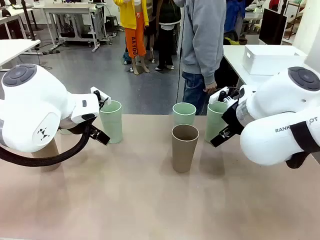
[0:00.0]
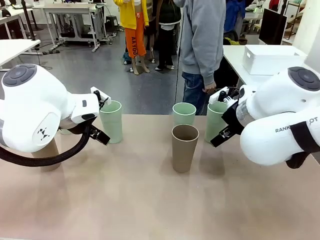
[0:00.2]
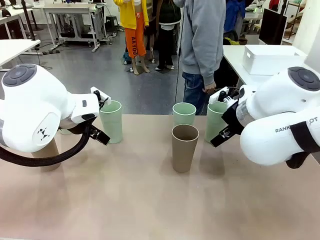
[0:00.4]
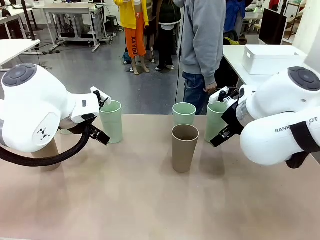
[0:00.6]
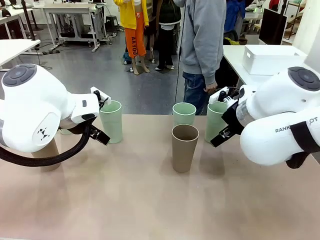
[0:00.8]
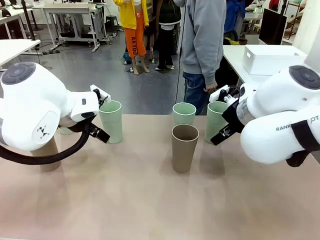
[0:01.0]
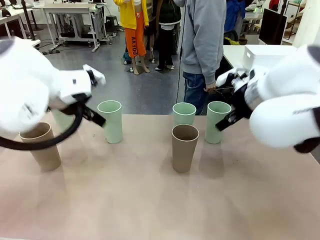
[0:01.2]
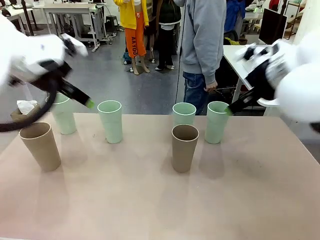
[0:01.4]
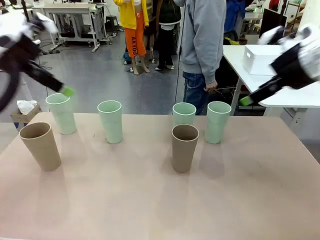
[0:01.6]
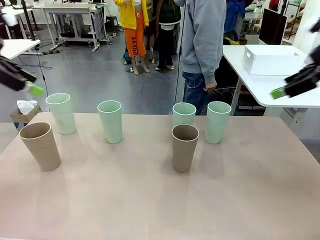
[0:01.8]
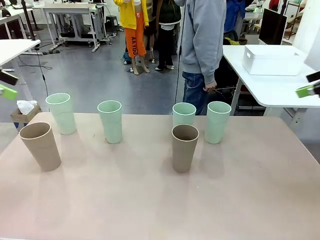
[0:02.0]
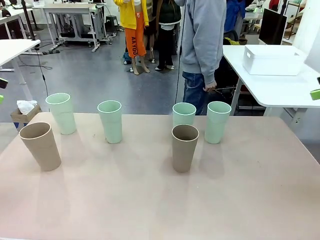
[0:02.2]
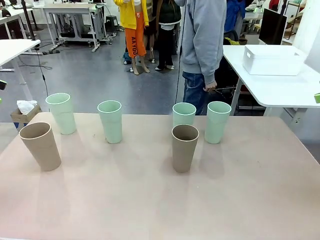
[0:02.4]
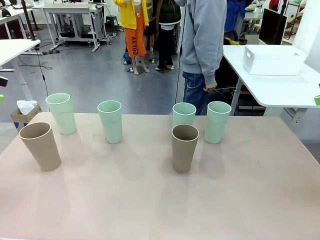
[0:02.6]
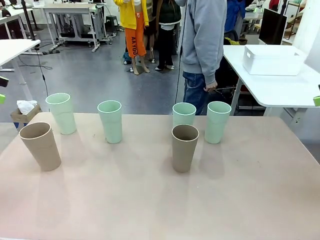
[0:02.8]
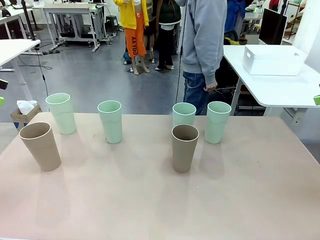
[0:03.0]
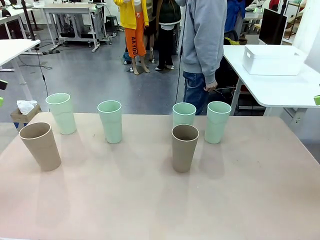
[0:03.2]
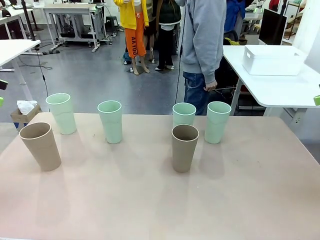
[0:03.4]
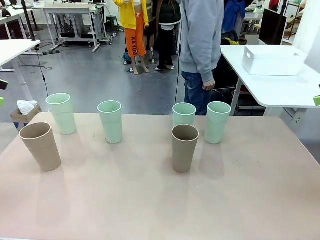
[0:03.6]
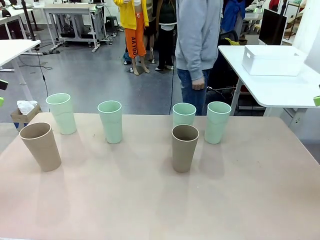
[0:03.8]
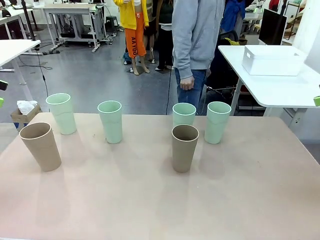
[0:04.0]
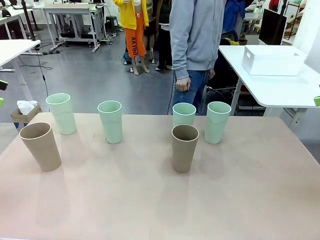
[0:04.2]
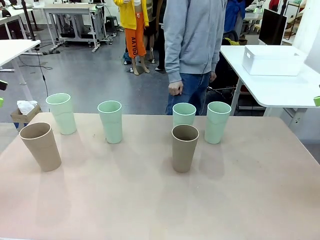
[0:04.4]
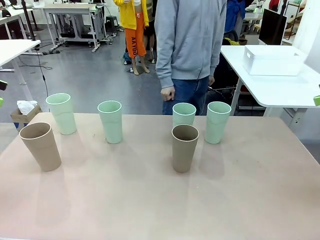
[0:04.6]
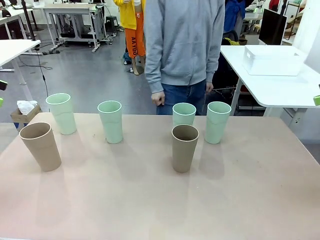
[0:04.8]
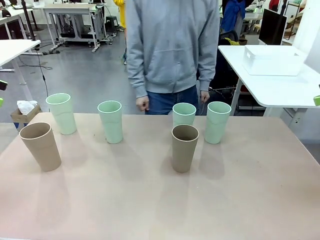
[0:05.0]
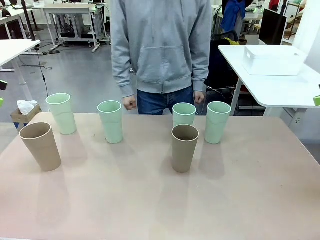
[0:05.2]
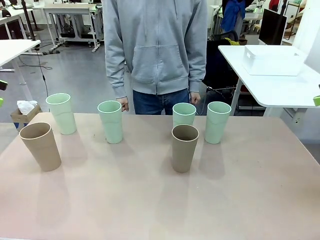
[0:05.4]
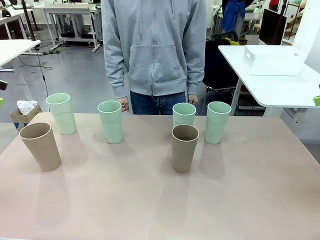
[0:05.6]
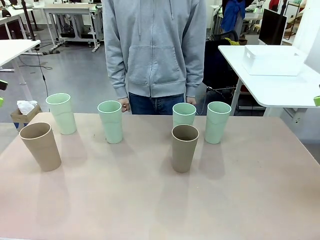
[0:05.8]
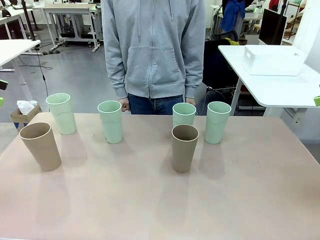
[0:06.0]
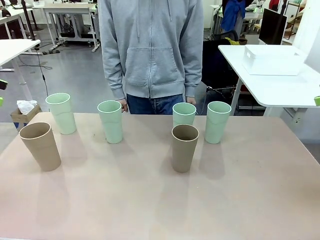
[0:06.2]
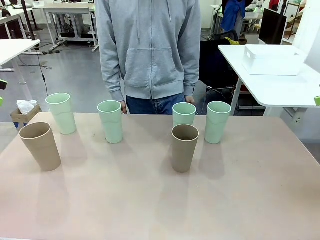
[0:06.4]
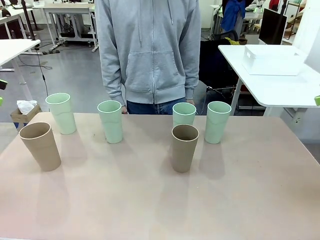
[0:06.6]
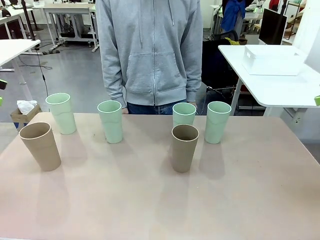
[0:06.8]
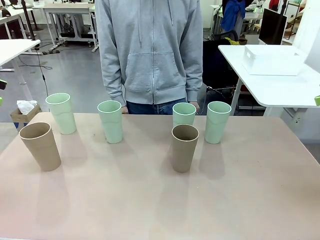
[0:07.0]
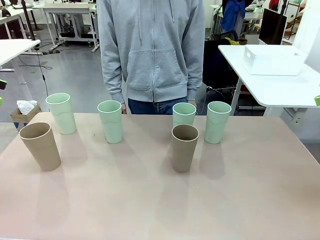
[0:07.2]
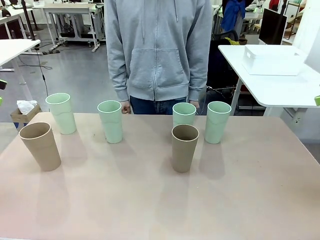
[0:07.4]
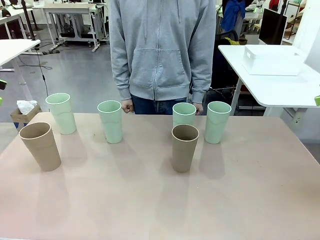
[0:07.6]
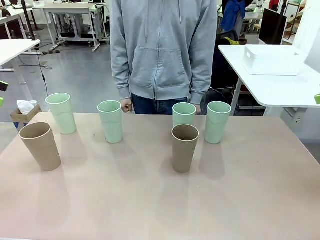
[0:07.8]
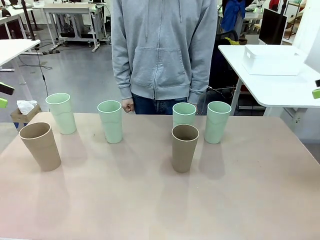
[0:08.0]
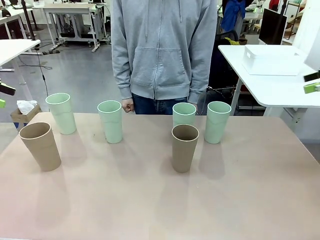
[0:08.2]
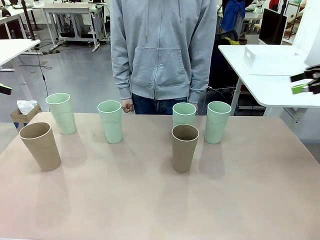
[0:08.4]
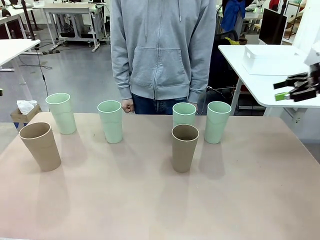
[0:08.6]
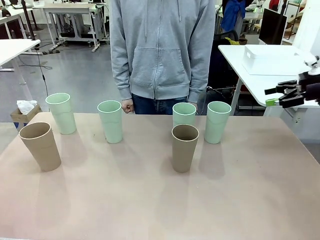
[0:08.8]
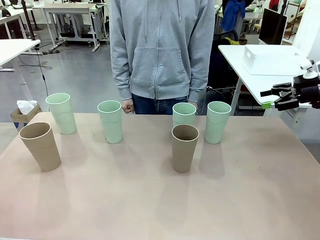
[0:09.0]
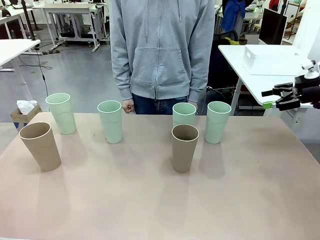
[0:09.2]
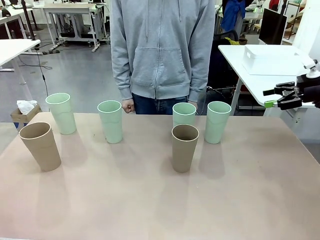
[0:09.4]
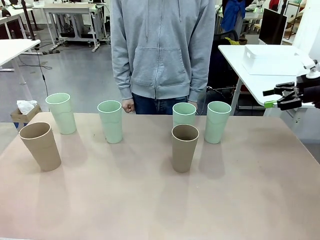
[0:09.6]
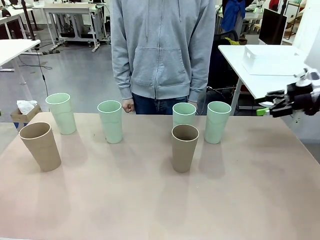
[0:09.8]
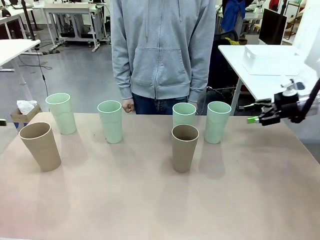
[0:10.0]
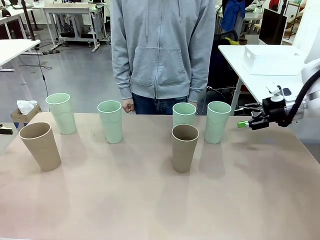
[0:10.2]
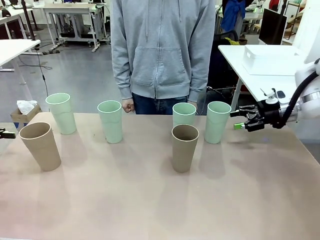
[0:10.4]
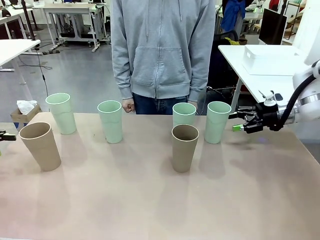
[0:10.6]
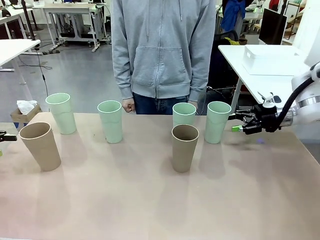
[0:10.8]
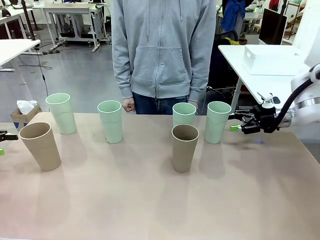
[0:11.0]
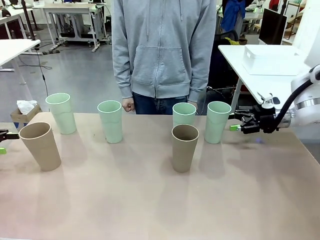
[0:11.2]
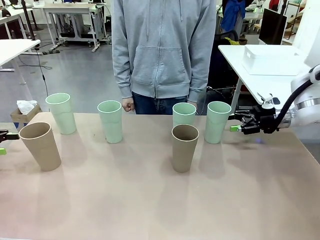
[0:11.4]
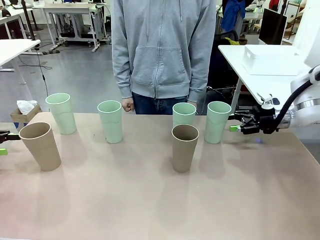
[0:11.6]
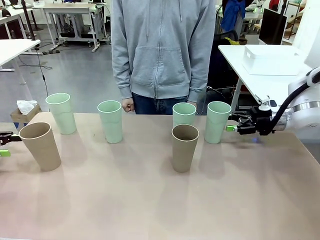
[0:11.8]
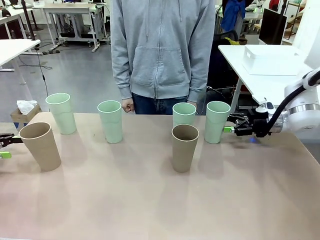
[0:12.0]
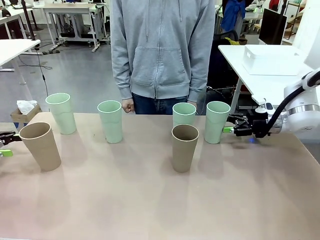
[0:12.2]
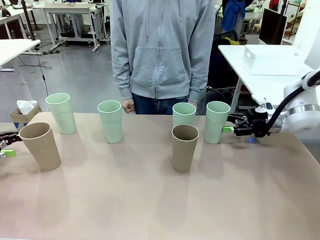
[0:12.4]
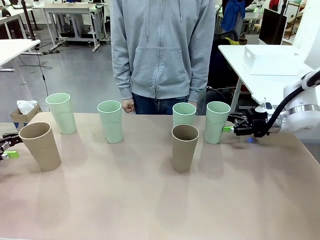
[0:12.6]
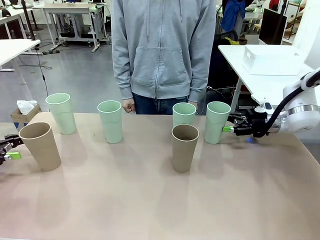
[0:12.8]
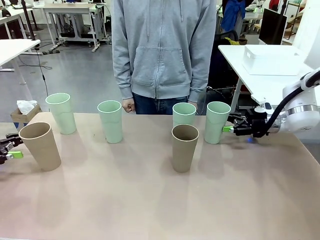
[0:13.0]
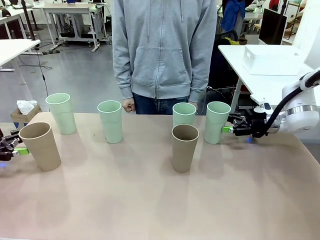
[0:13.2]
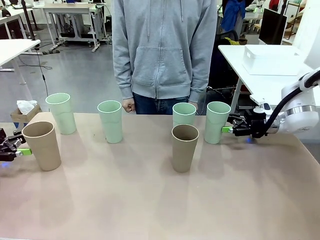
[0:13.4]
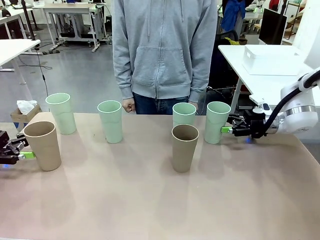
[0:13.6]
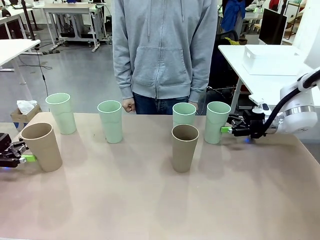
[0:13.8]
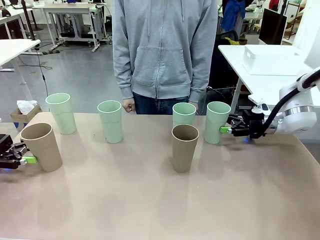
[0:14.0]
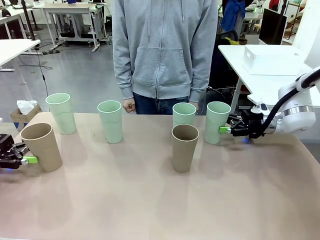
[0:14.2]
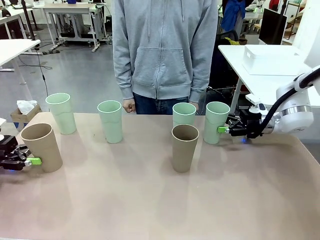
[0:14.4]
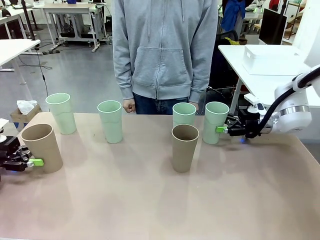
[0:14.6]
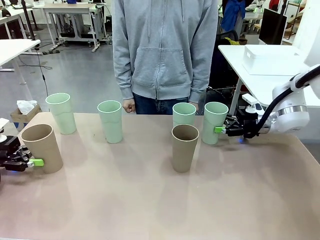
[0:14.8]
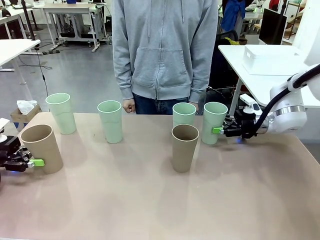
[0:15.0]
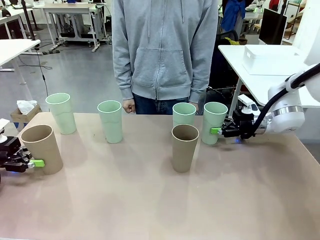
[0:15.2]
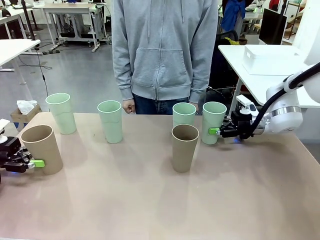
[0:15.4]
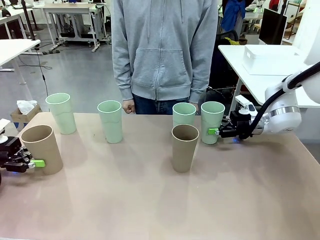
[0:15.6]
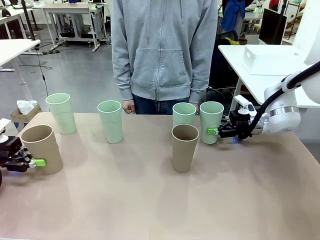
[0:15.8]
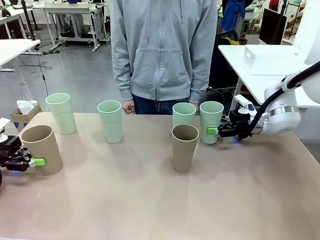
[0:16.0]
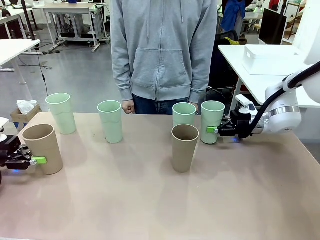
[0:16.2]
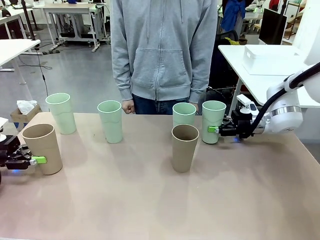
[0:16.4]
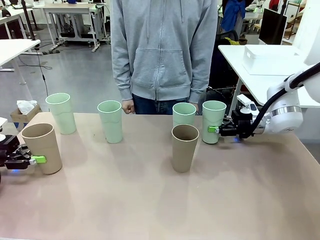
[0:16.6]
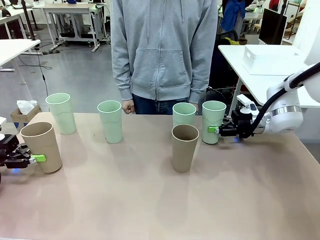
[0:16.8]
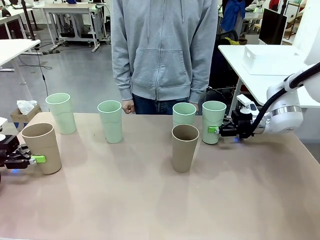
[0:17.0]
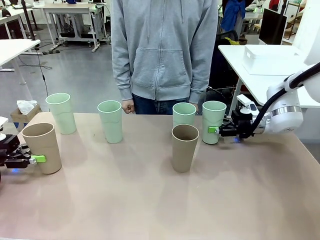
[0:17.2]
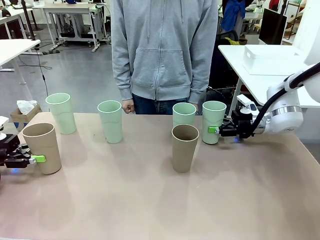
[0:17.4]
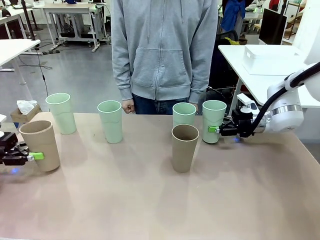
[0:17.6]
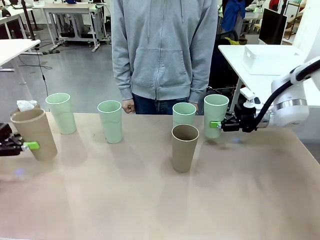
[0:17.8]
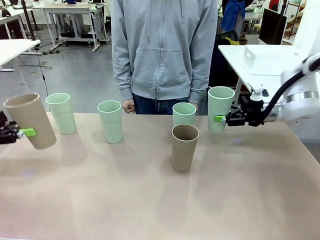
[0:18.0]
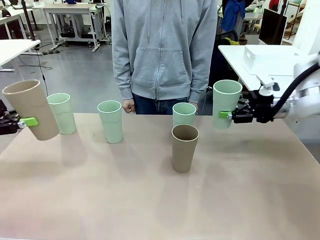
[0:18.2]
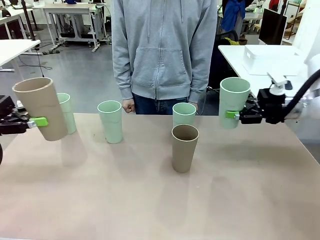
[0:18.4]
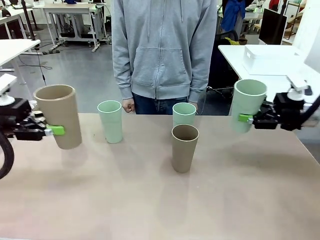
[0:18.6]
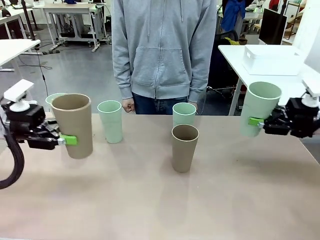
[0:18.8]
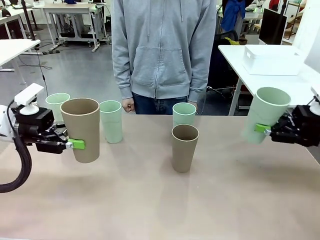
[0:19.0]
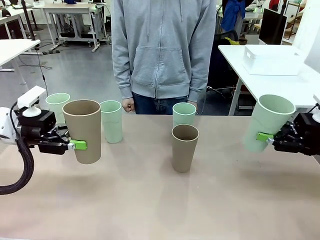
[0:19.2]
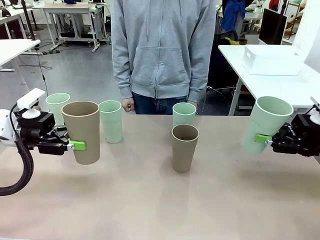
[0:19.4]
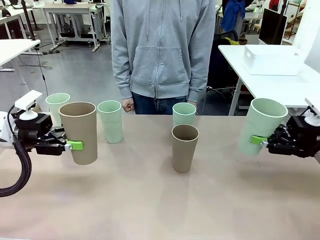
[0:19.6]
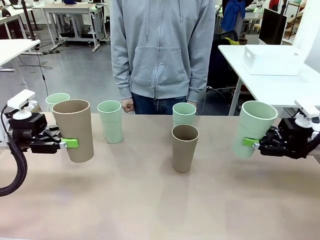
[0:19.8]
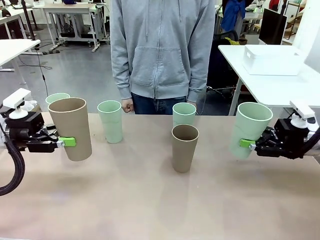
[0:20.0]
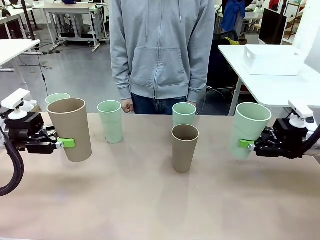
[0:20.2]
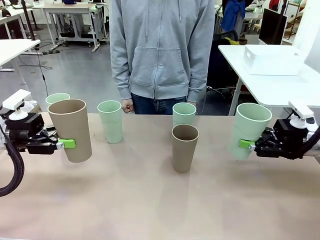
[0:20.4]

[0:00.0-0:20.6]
Task: Stack the cups and store them in the basket.
Robot: Pick up two Reusable plastic cups , one in each hand.
Person: Move from the Human Table to the front of the Robot Table. Stack two of the remaining cups on top of each cup held by the robot.
